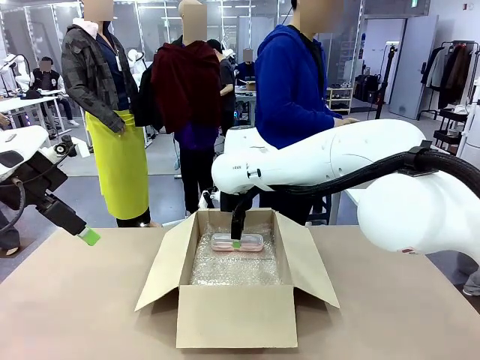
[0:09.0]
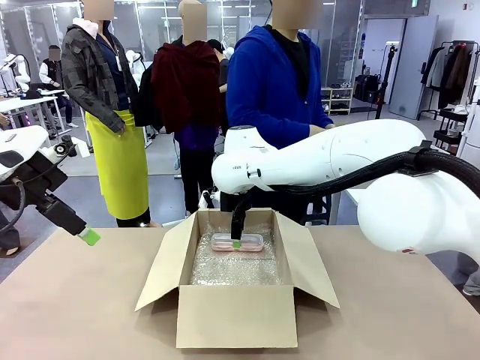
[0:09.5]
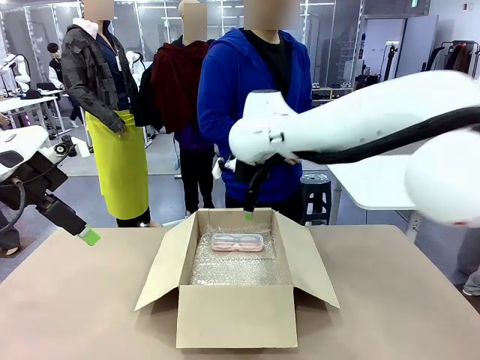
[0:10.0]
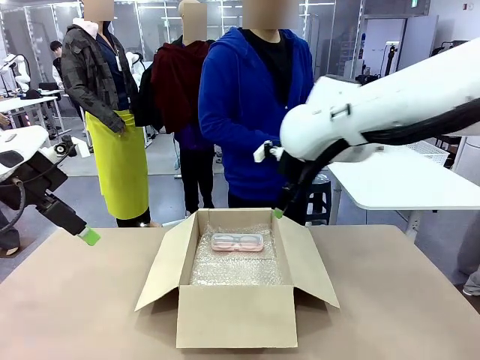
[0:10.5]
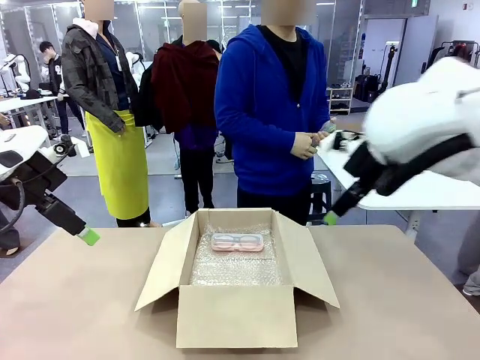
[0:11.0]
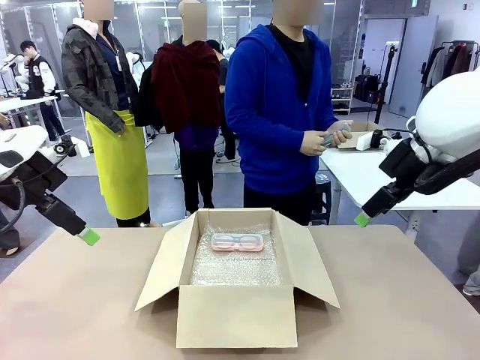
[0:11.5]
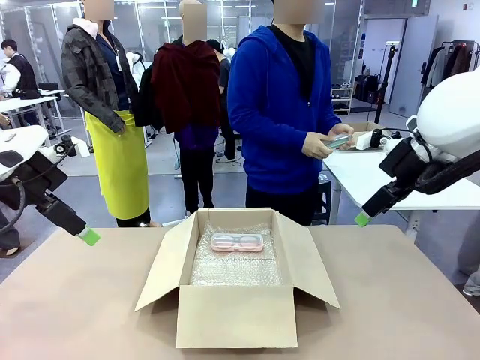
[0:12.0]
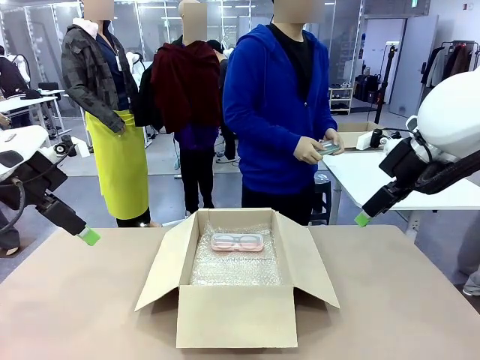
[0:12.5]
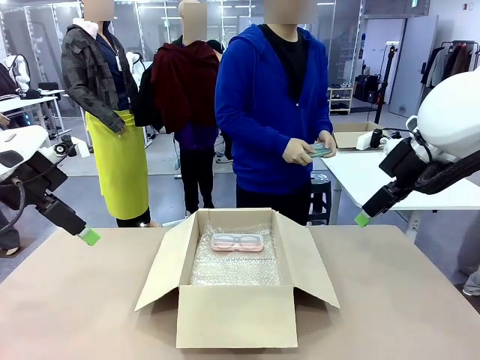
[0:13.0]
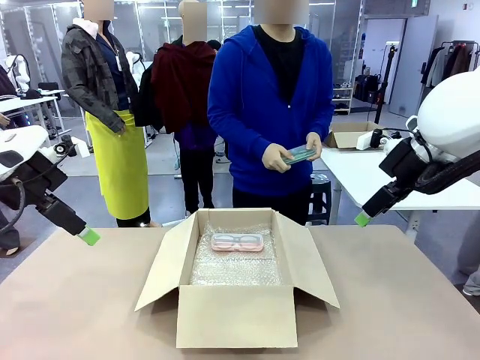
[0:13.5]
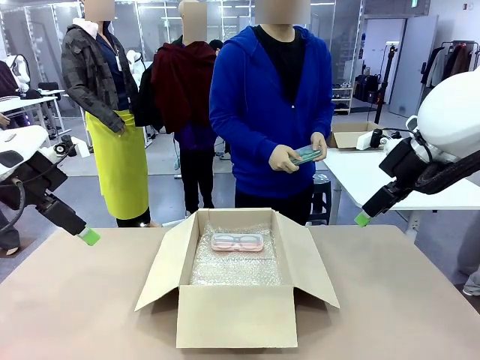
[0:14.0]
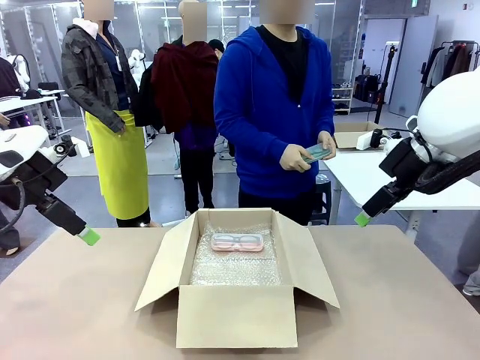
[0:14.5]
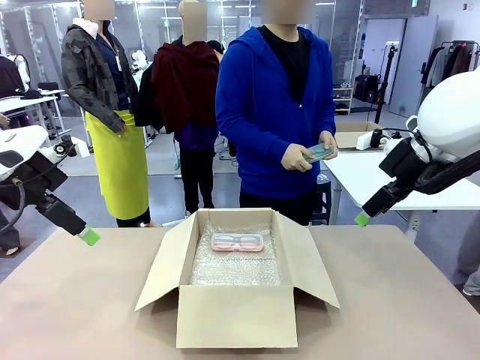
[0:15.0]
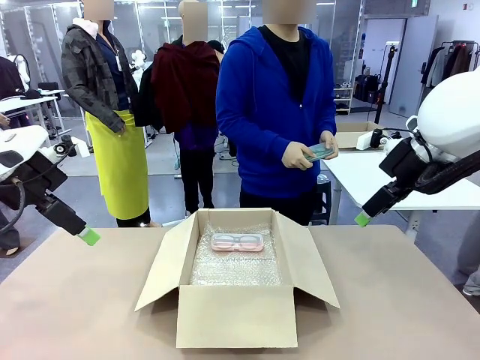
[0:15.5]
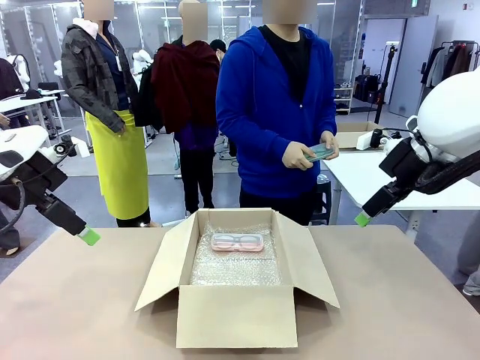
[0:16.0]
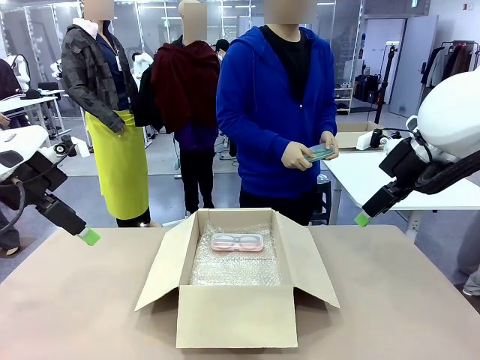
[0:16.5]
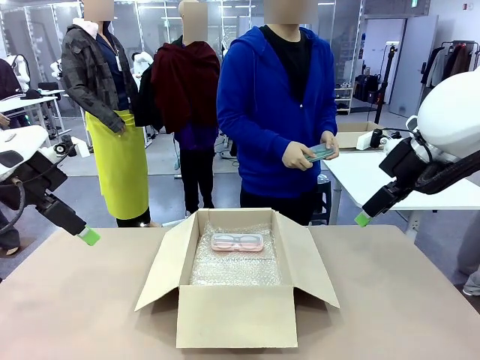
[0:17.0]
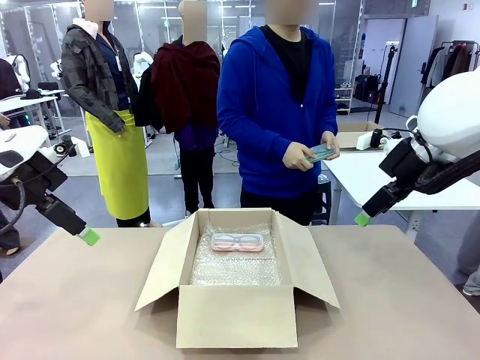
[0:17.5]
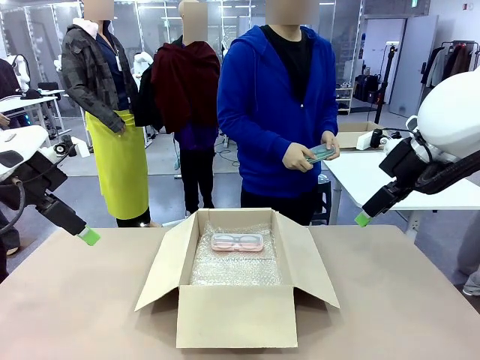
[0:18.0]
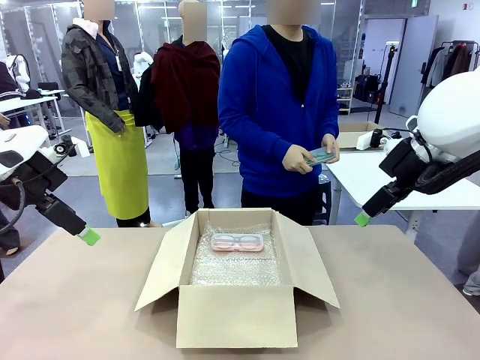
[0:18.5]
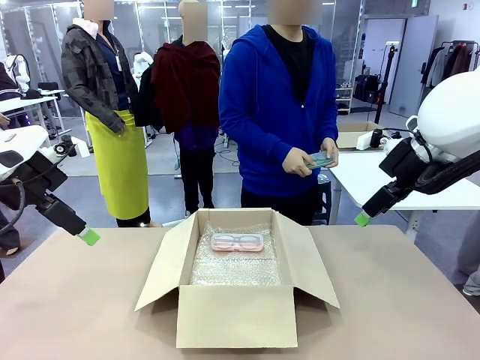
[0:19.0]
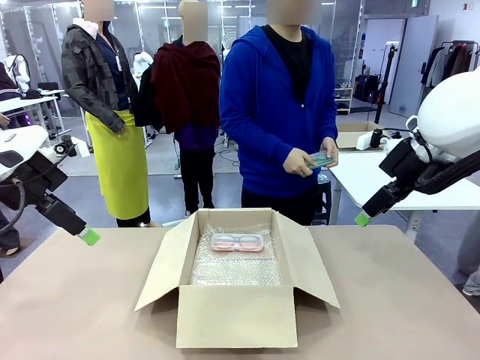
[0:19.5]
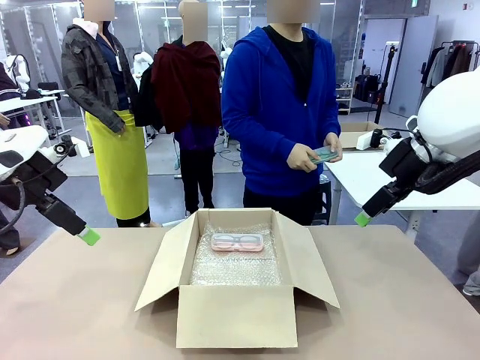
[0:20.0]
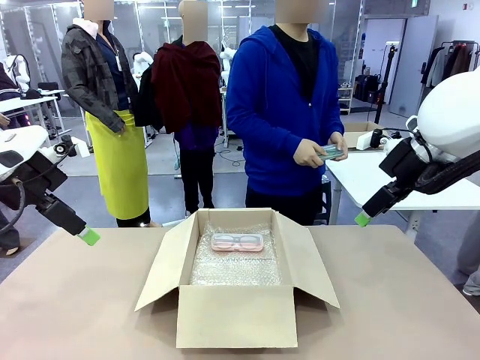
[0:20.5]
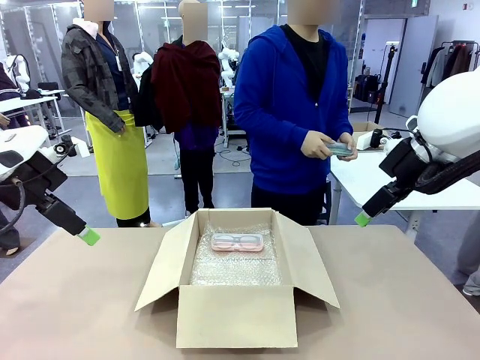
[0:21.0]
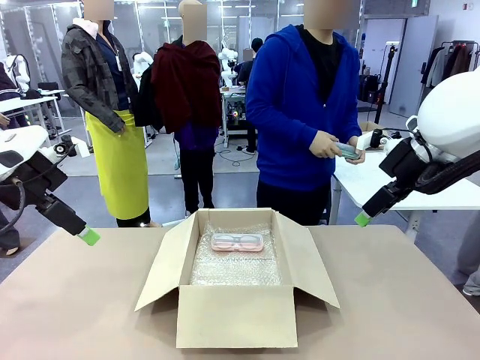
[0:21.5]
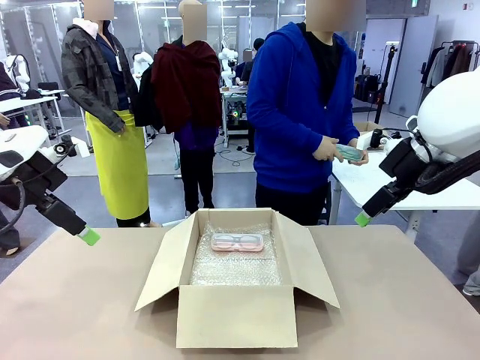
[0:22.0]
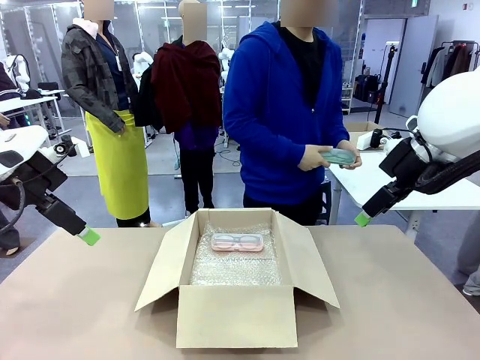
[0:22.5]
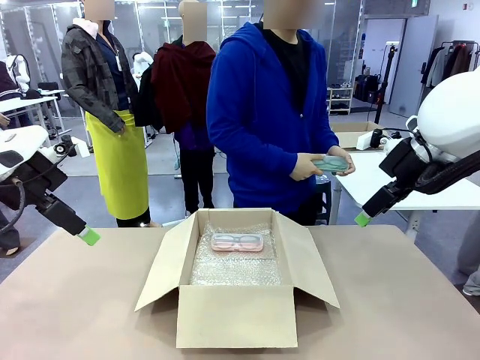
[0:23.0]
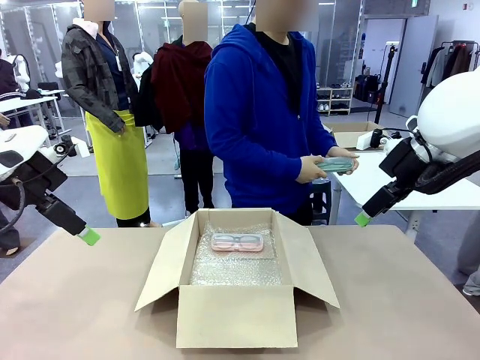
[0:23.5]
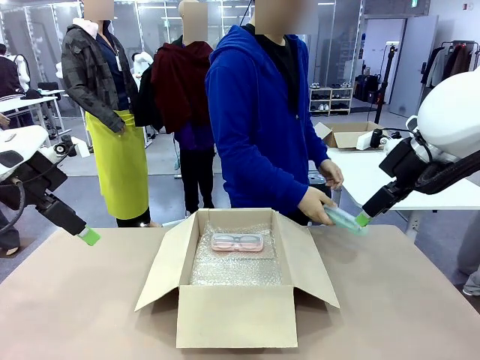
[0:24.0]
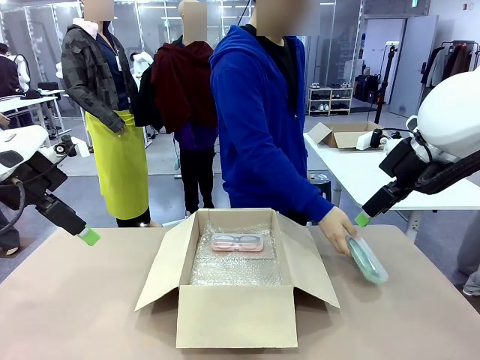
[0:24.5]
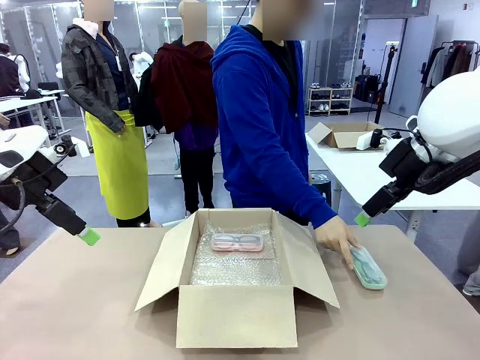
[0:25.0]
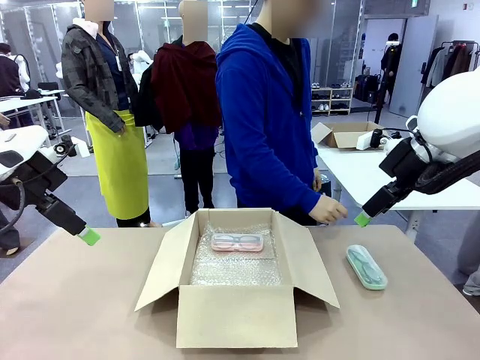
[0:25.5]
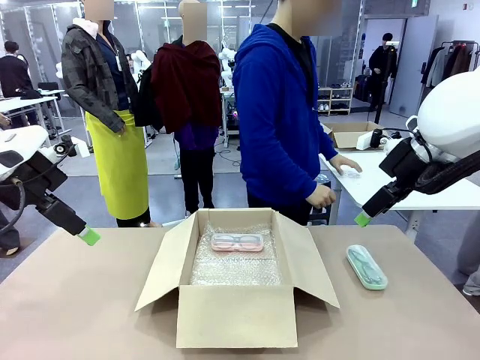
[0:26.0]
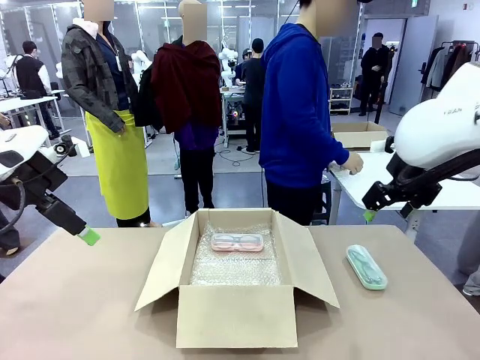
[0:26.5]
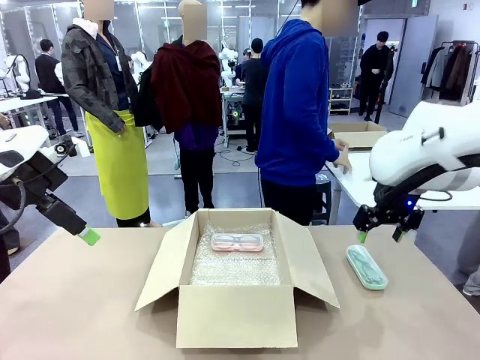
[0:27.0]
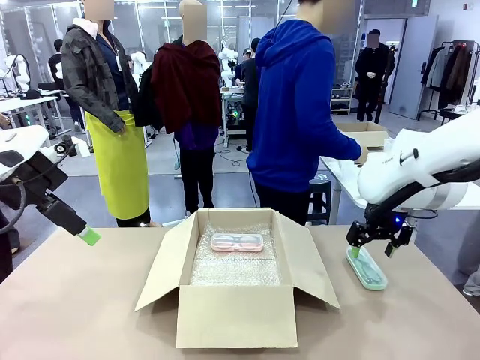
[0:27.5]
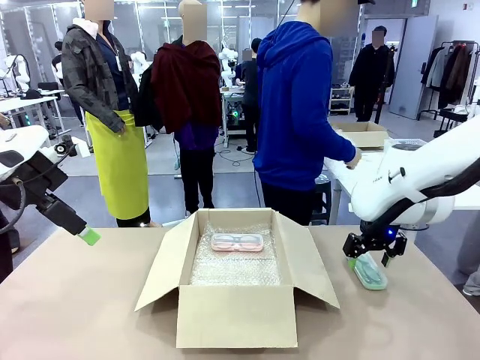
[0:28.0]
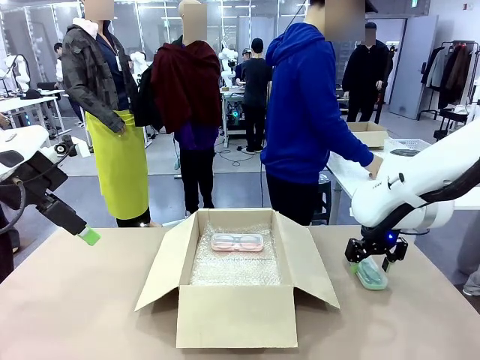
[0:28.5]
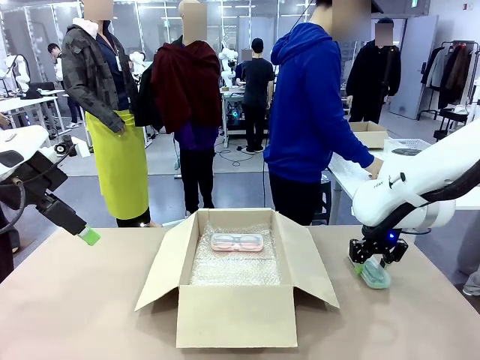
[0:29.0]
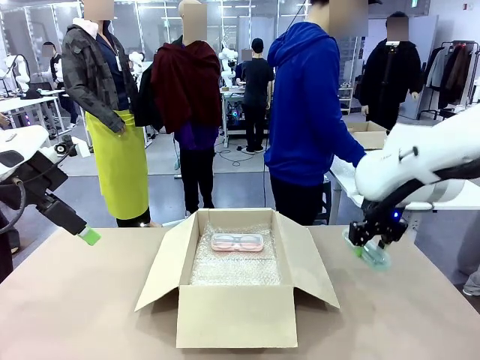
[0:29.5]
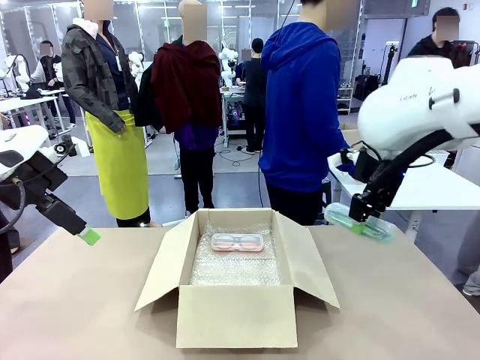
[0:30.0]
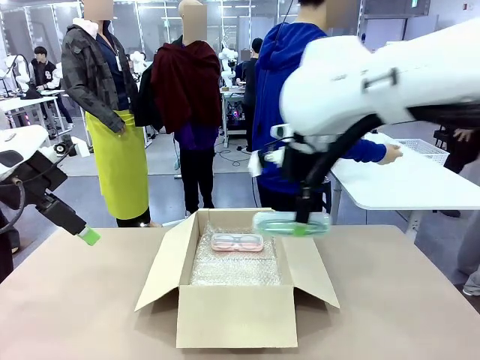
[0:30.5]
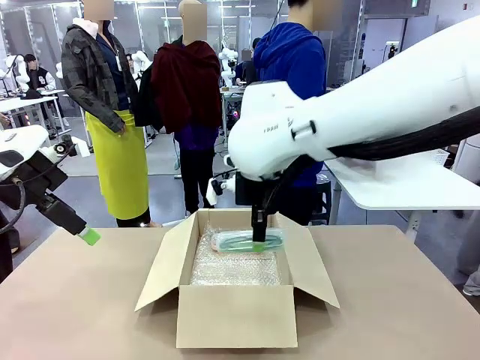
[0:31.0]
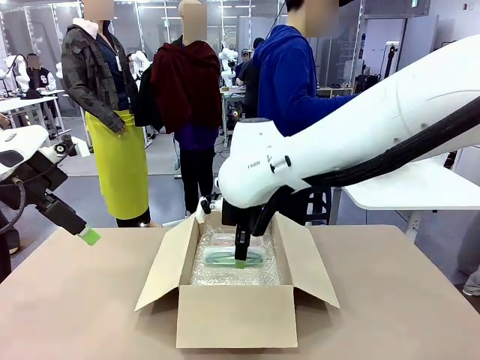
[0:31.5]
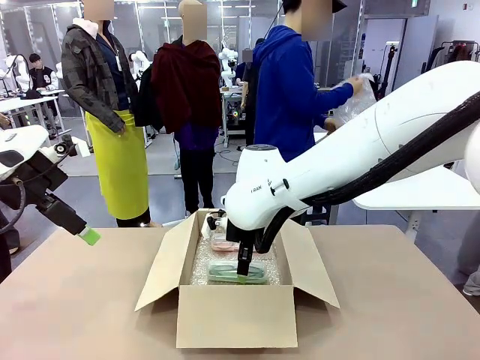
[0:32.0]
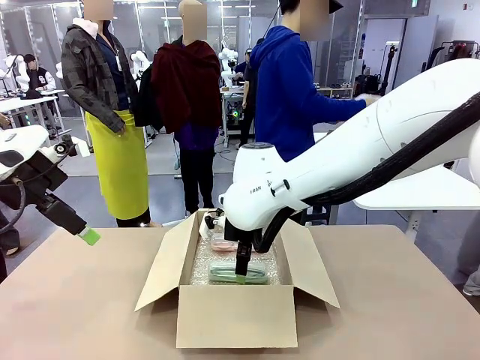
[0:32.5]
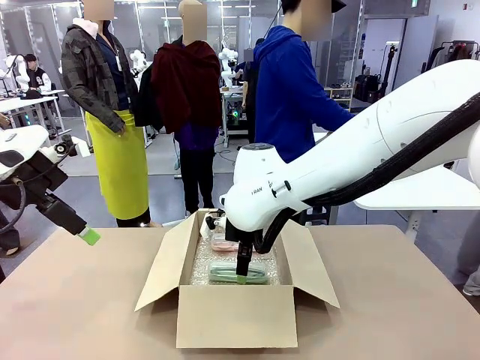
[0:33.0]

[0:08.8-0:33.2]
Task: Pack the glasses set securely to prepare it for shipping.
Robot: Put the Glasses case from the right side of the table into the Package Box.
Person: Position the Glasses case on the left side of the robot's table.
